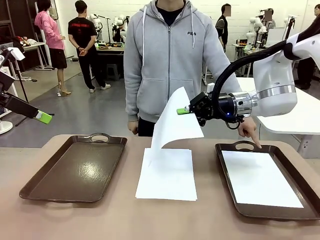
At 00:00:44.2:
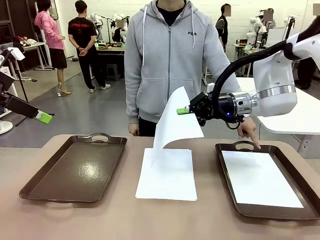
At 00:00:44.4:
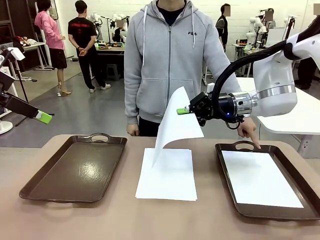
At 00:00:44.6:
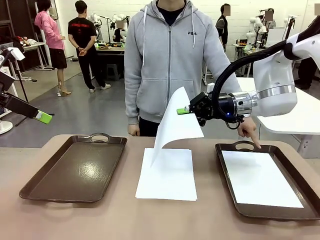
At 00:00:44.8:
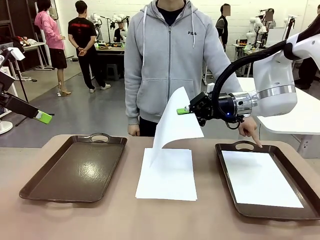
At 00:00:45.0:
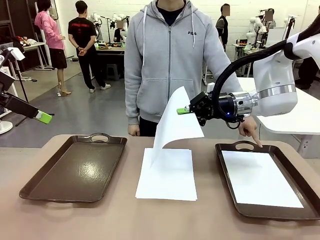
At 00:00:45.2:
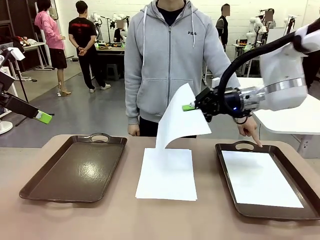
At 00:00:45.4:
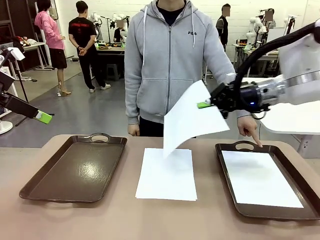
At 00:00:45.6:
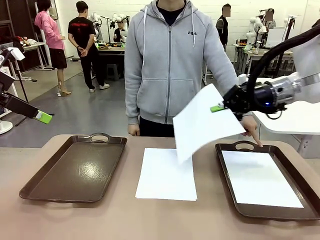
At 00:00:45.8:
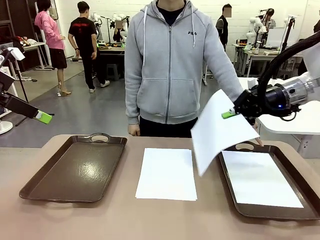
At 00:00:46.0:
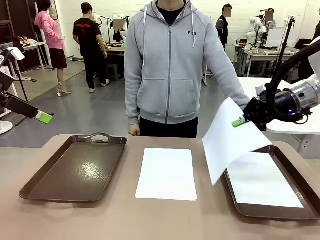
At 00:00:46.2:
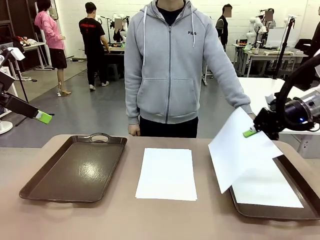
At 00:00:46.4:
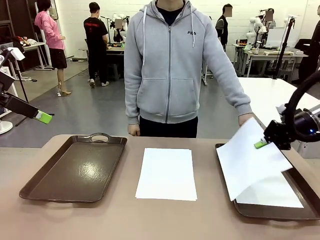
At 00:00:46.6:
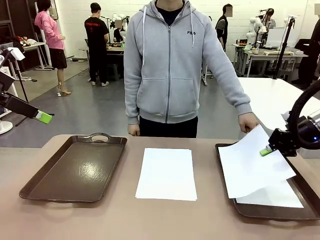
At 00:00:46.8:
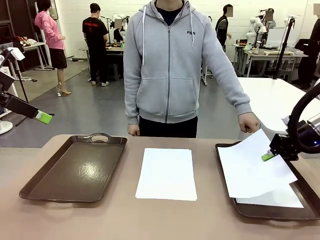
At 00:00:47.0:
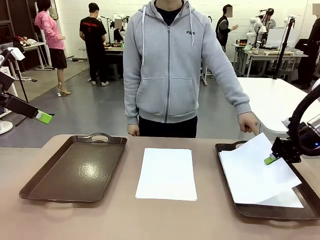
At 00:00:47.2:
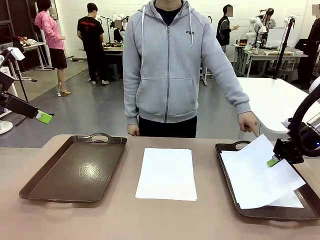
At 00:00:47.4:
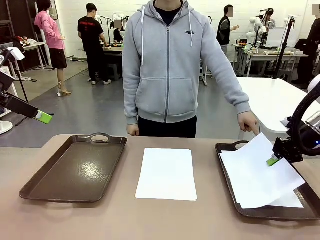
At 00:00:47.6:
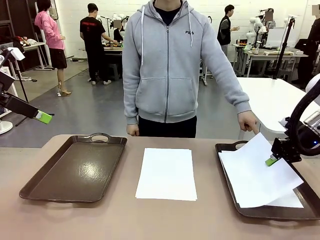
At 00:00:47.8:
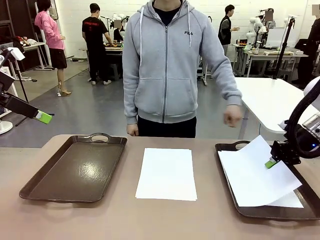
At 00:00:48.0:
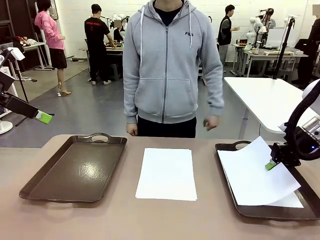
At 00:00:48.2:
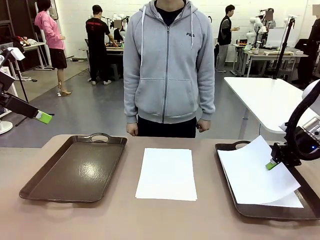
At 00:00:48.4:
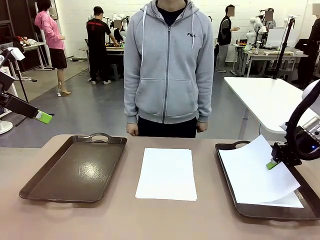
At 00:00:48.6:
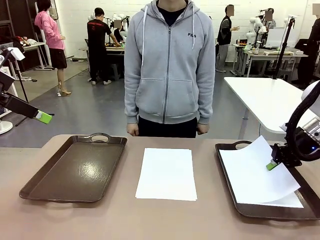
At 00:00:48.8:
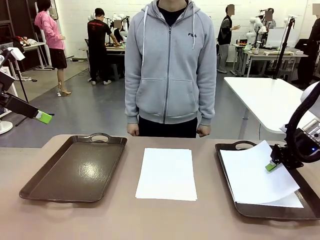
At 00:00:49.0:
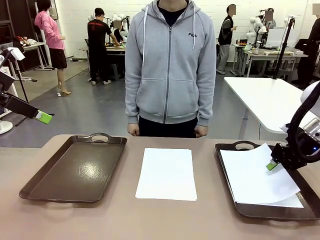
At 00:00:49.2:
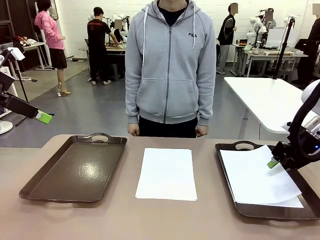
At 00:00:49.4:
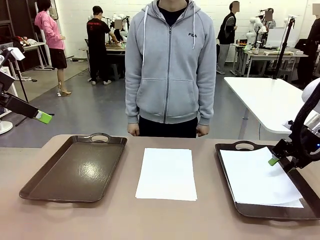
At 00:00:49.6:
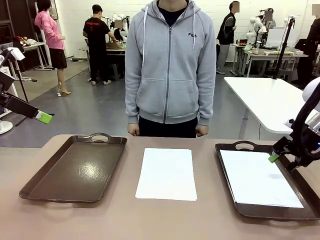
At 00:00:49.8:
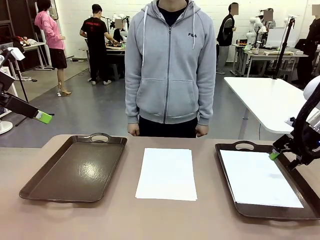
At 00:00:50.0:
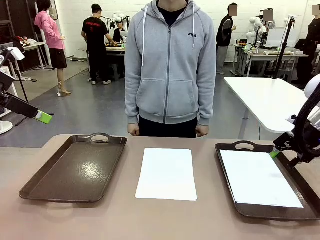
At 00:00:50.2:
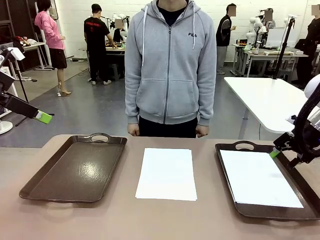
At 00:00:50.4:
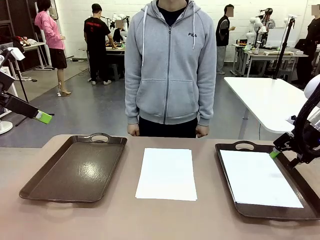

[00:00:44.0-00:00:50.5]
Task: Sort the A4 documents.
Robot: Place the A4 Paper in the designated Handle tray.

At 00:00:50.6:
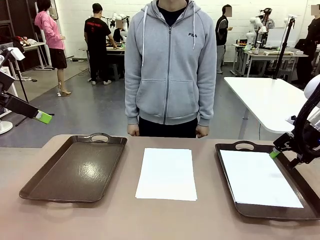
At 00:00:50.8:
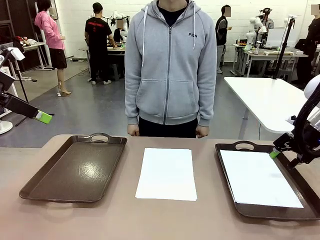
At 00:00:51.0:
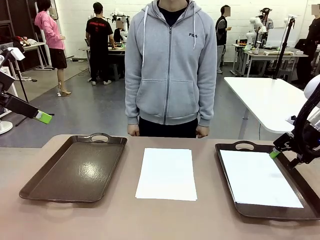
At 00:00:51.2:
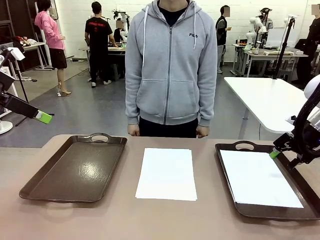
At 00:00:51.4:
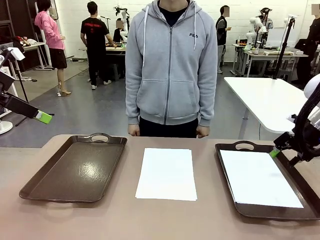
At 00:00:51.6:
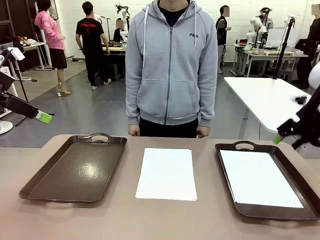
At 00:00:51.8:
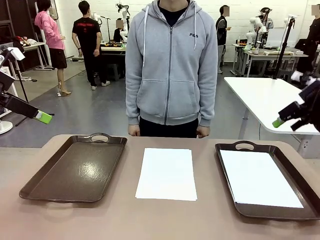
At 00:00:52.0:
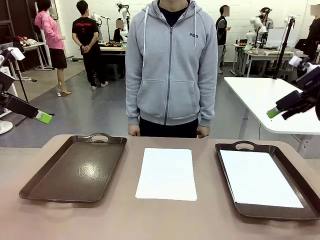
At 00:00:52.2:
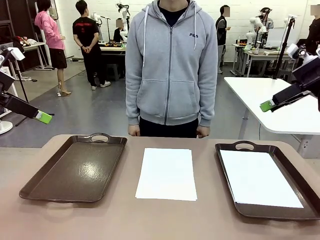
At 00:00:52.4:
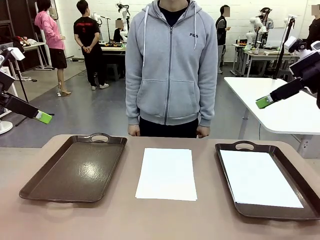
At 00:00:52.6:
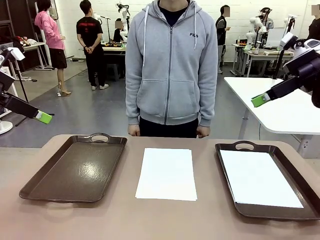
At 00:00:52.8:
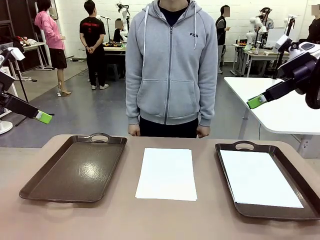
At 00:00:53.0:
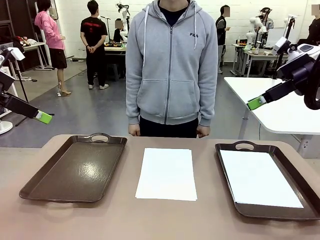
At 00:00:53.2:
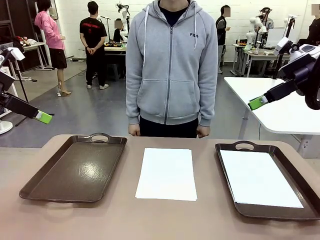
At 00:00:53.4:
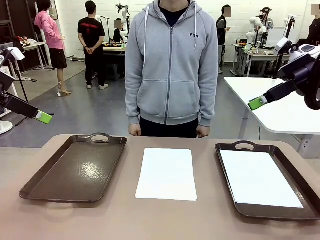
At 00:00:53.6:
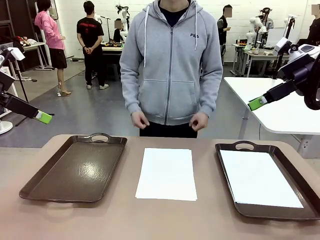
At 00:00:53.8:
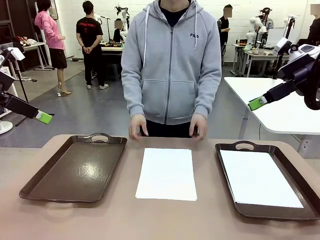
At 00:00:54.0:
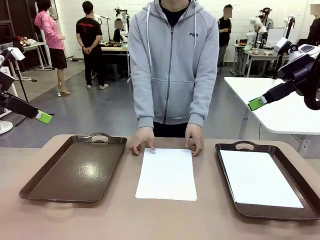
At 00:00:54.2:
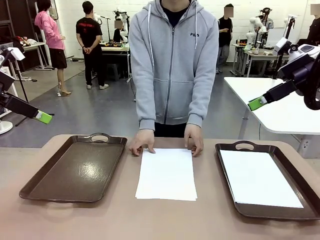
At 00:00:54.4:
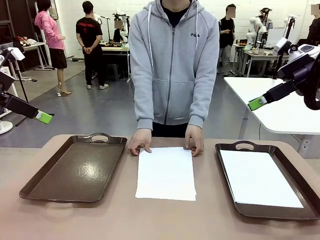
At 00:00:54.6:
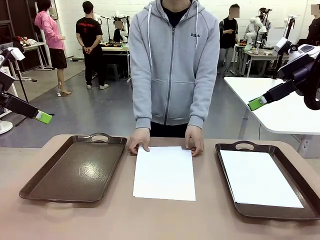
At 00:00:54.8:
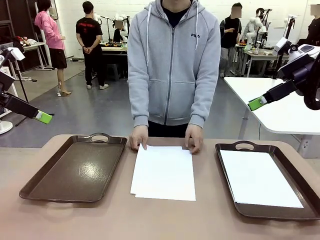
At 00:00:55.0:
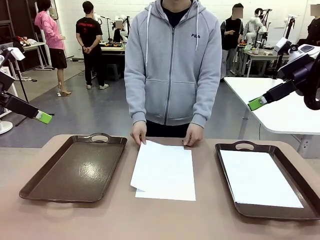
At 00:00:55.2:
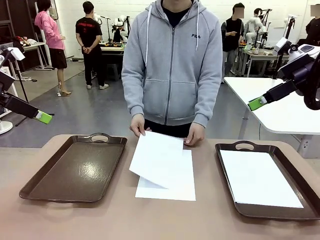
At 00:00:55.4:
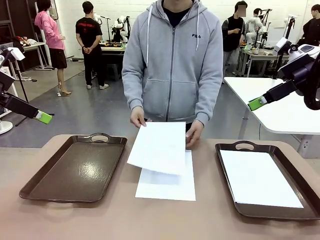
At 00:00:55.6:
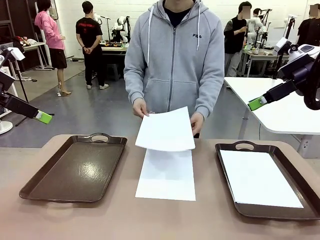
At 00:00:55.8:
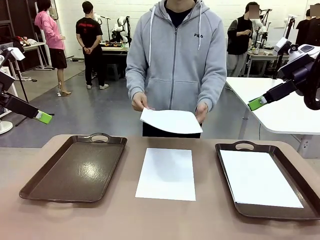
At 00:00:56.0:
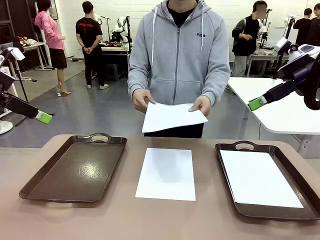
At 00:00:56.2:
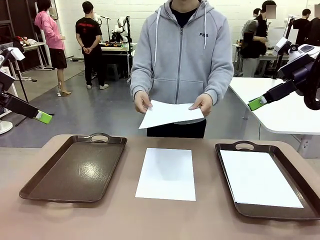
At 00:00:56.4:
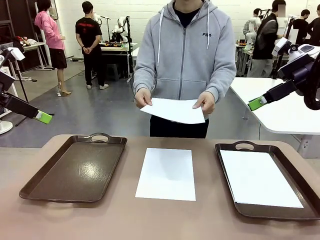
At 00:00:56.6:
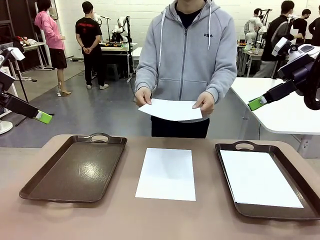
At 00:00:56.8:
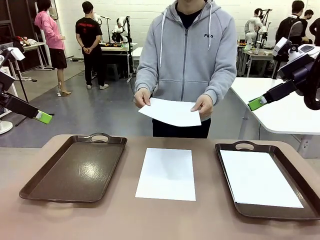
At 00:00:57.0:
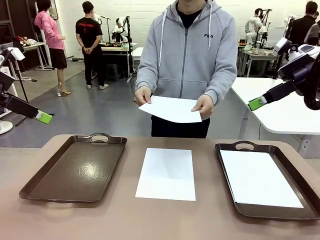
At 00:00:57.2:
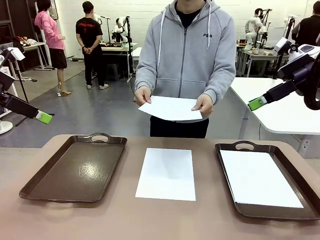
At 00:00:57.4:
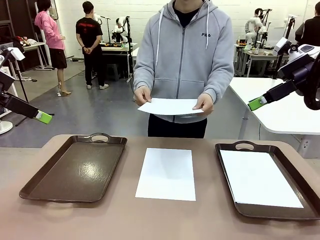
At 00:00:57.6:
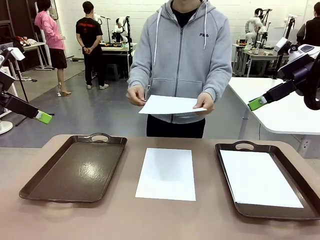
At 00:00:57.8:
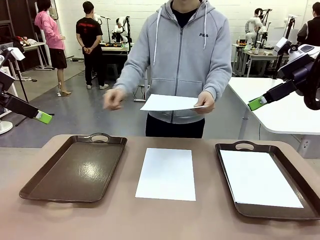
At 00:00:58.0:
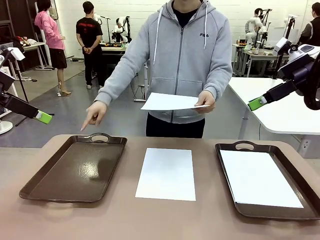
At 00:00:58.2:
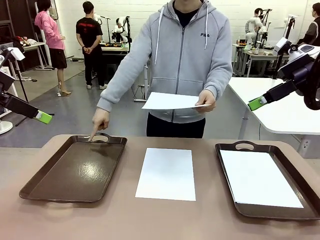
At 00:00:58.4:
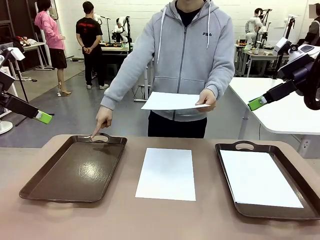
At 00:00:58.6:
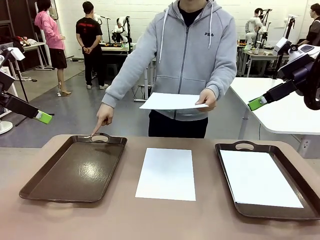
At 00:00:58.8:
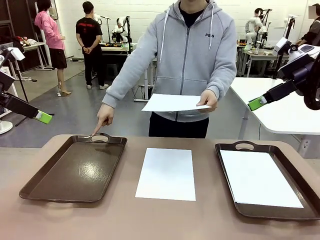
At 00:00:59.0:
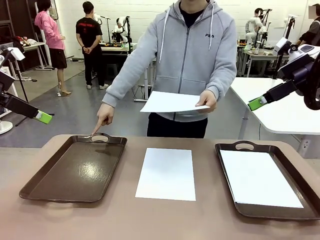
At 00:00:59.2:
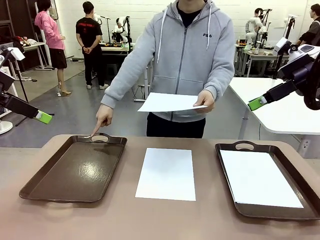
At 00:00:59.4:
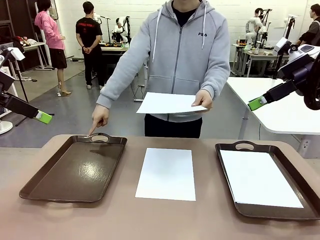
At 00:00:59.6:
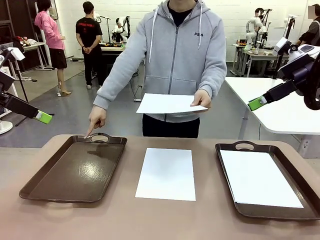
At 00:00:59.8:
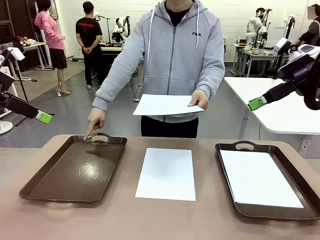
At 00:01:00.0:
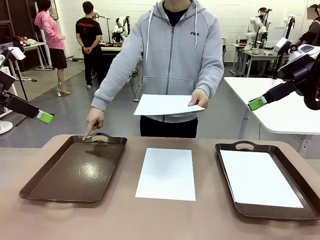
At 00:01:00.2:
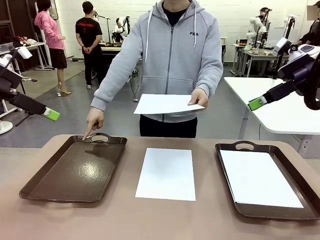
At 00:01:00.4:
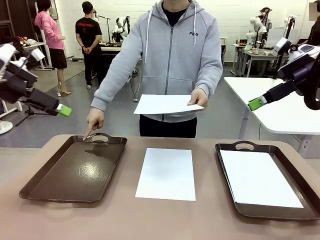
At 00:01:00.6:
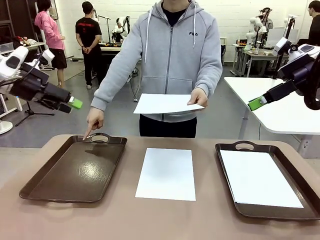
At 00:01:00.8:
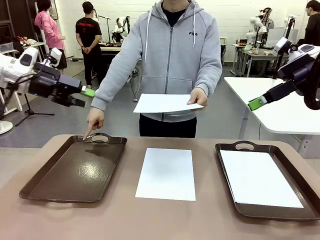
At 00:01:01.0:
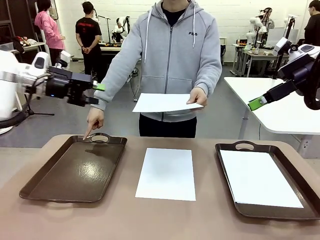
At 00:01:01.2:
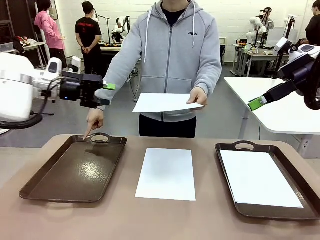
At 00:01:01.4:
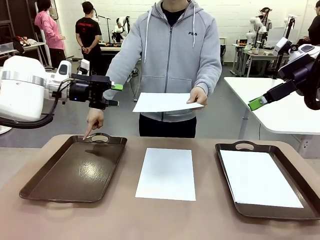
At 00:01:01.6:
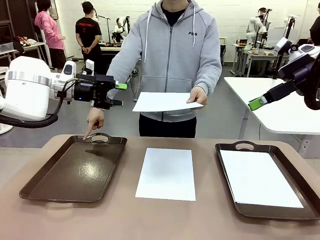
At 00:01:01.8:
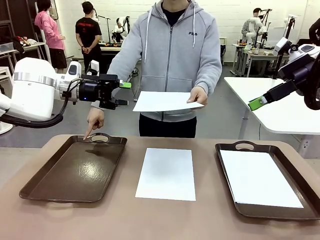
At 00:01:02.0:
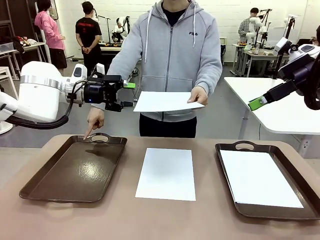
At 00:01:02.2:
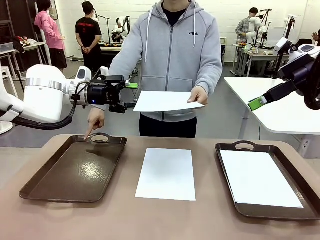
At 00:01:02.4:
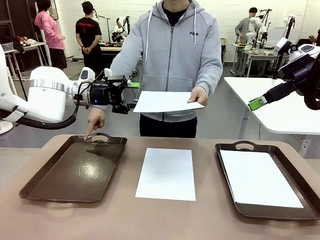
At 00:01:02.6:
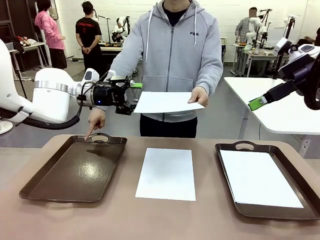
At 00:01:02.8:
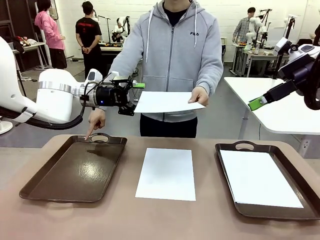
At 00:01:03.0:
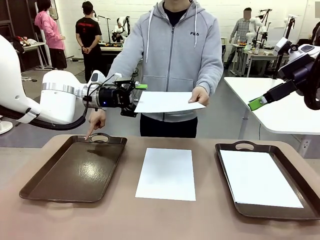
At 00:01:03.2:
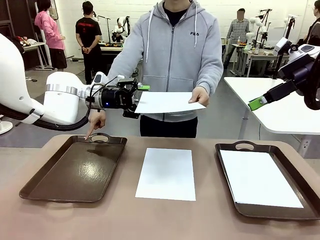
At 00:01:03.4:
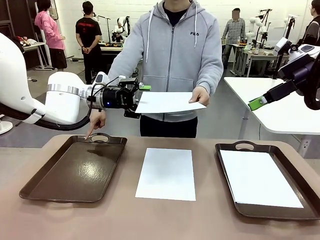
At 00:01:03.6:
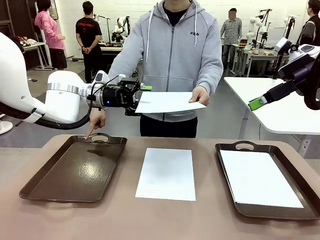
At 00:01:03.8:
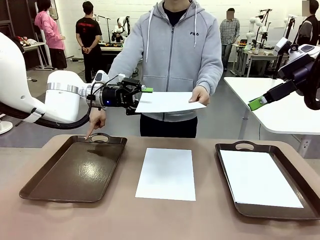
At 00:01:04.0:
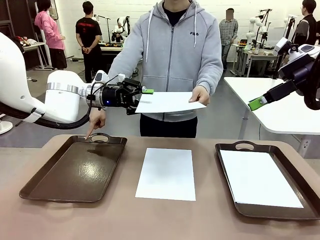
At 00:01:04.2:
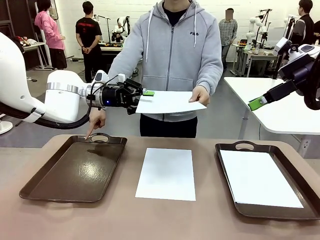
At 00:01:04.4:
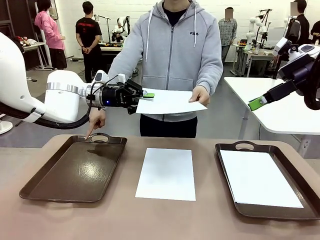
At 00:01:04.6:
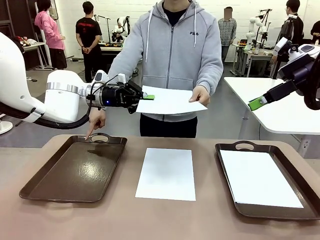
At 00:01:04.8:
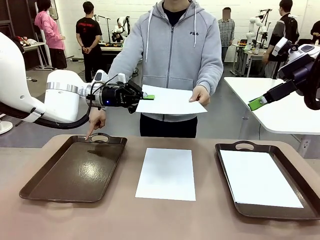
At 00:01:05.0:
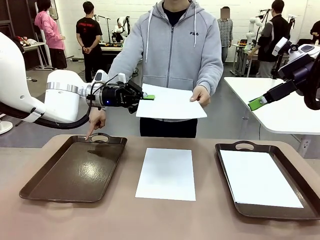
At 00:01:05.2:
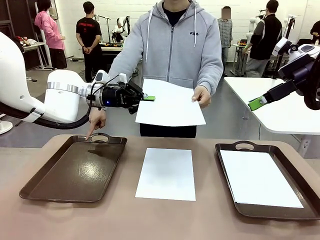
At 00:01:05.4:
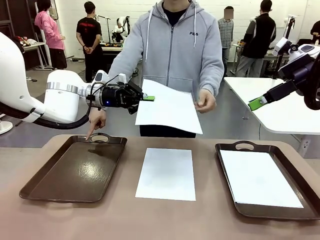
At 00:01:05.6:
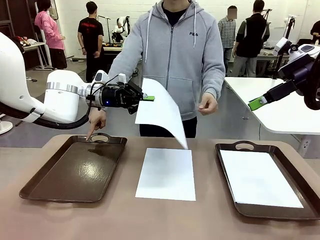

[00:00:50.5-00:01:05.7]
Robot: Receive the A4 Paper.
Person: Point the randomly selected tray with the other hand.
